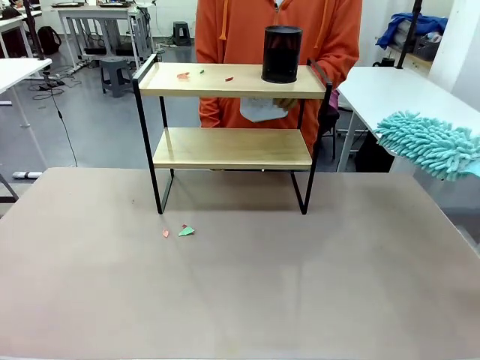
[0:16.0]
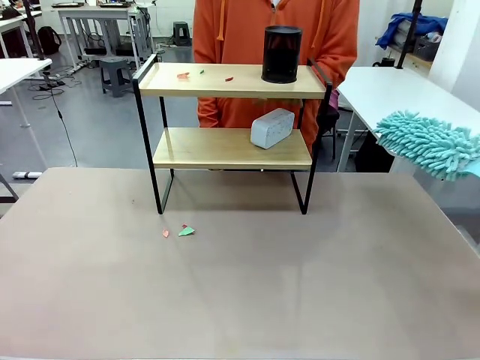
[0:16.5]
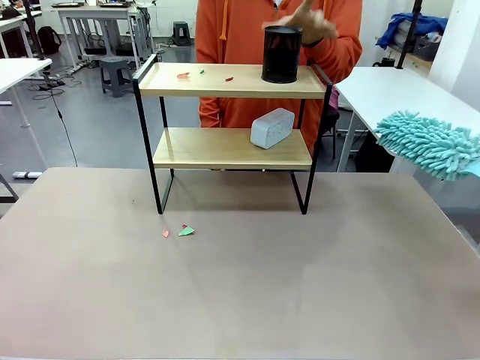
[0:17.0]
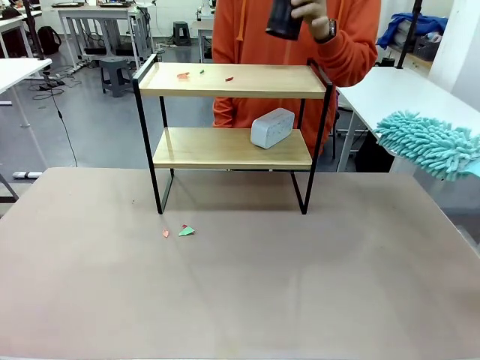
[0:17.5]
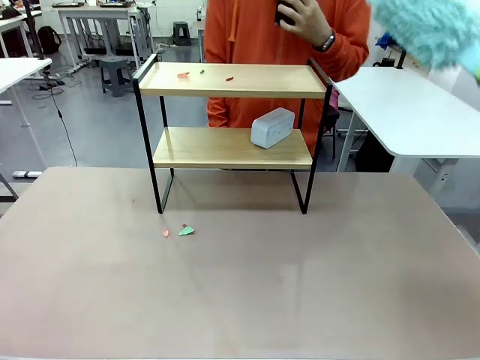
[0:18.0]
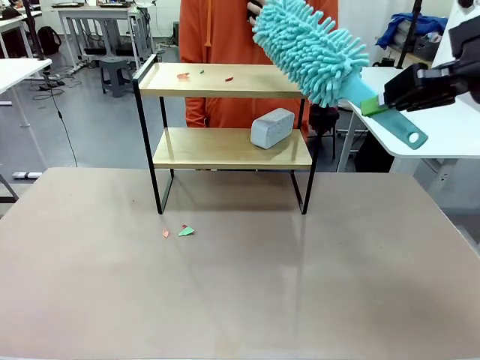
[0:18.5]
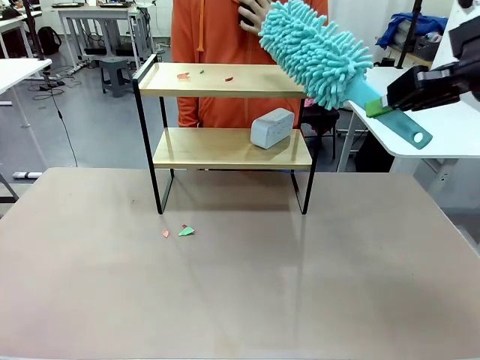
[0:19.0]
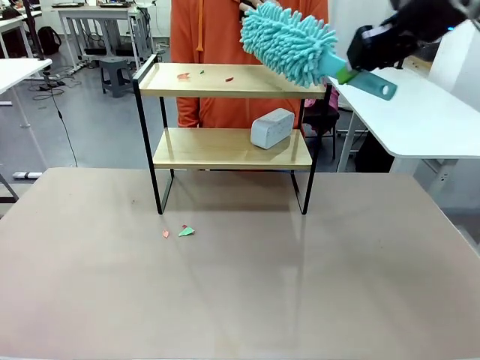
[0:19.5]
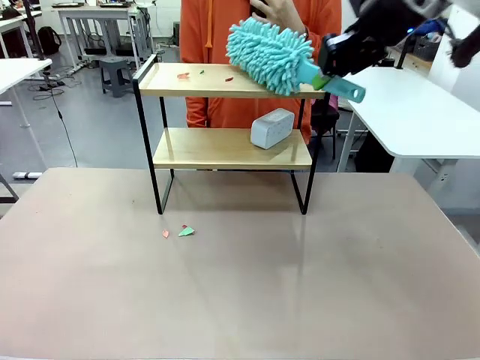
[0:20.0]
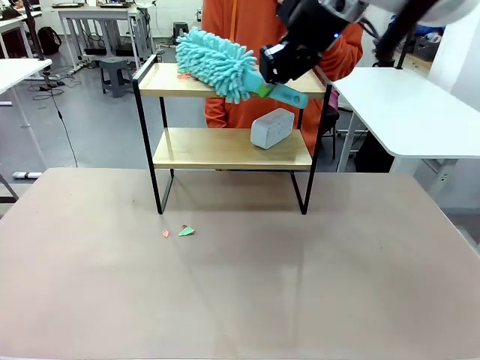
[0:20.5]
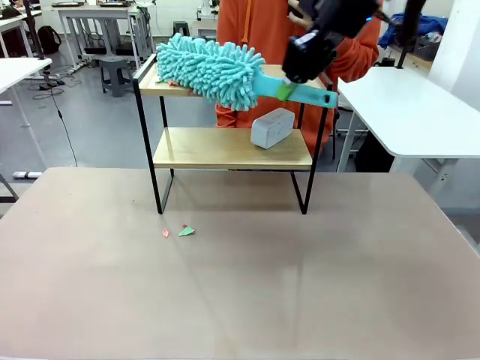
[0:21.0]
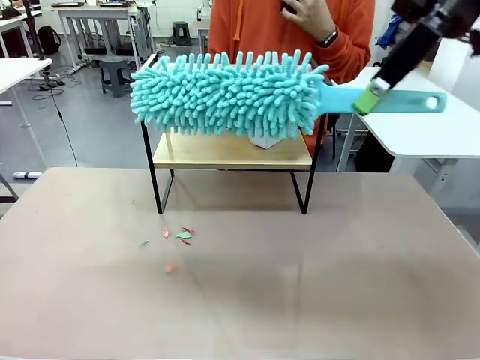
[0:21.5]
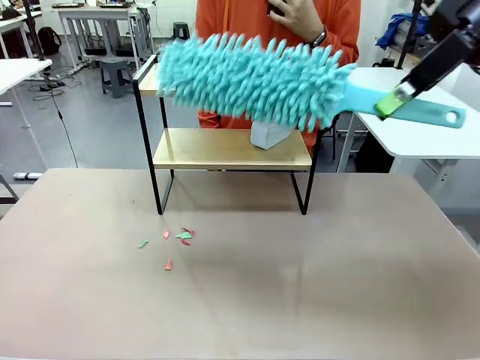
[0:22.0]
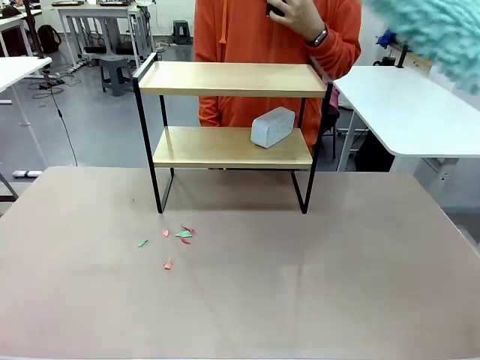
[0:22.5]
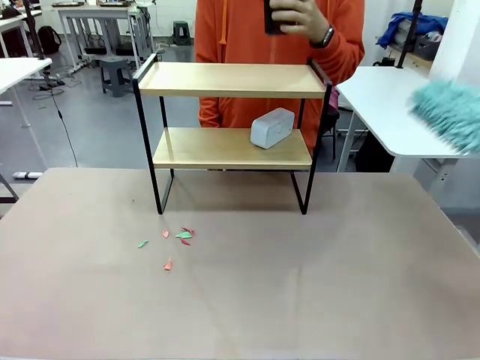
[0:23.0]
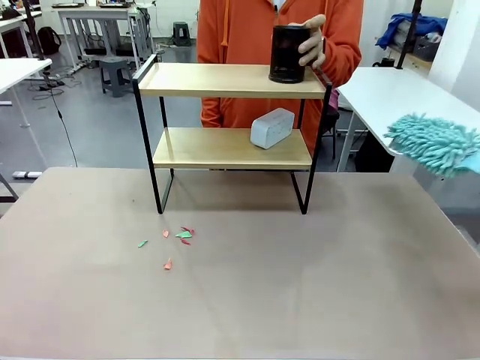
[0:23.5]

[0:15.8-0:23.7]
Task: Clean the shelf.
Robot: Clean the remaining tier of the Shelf with the Duster once objects are removed.

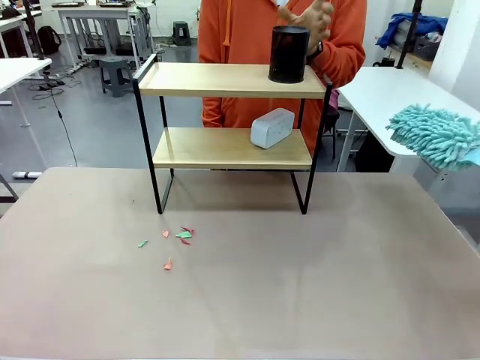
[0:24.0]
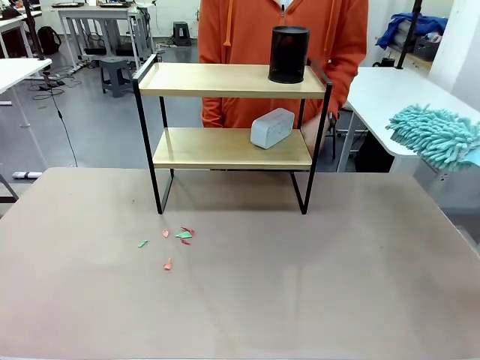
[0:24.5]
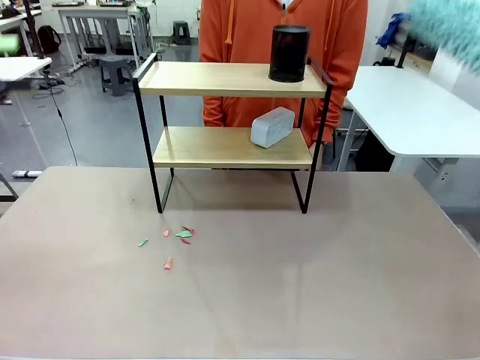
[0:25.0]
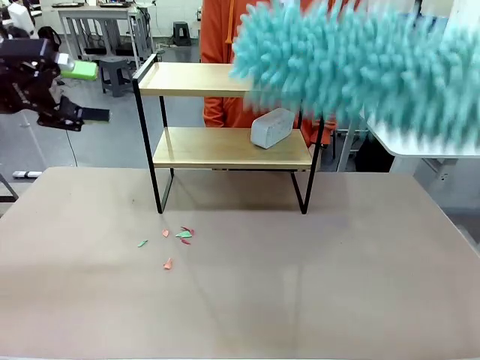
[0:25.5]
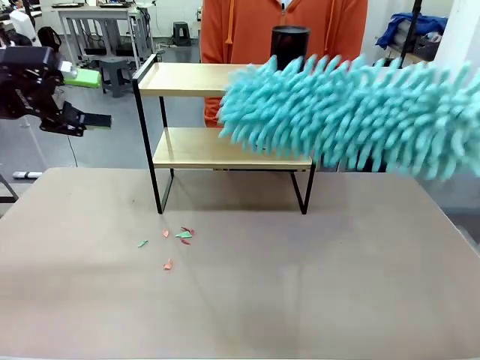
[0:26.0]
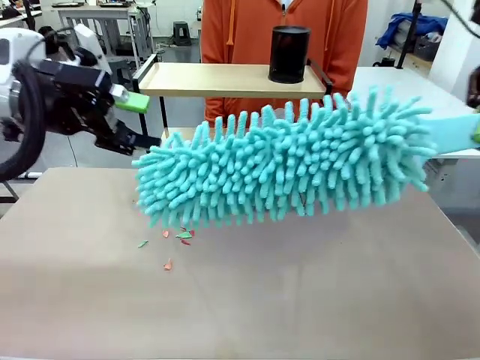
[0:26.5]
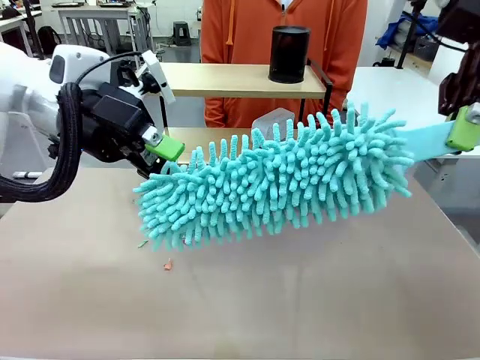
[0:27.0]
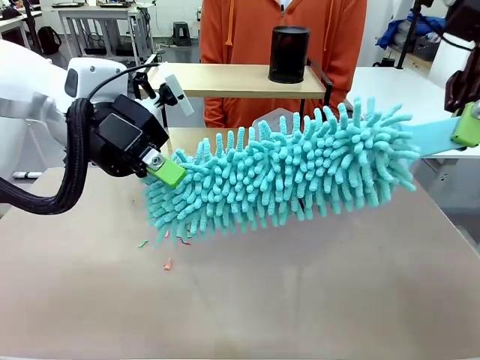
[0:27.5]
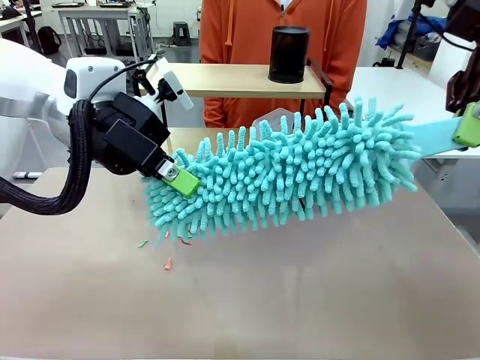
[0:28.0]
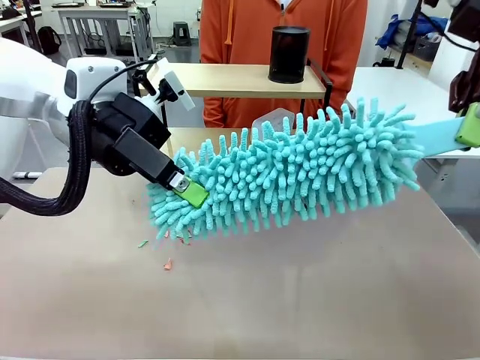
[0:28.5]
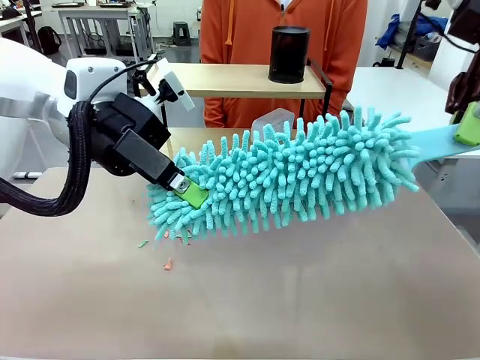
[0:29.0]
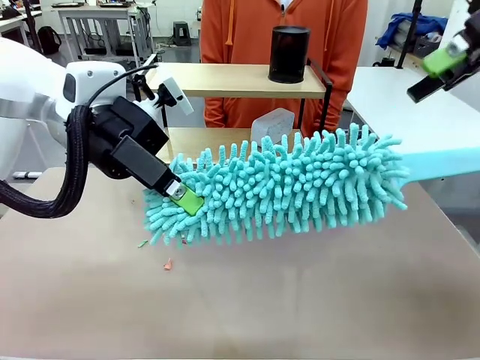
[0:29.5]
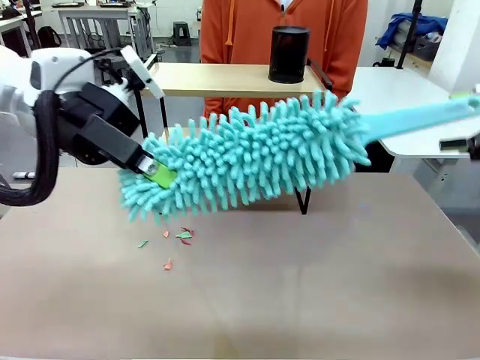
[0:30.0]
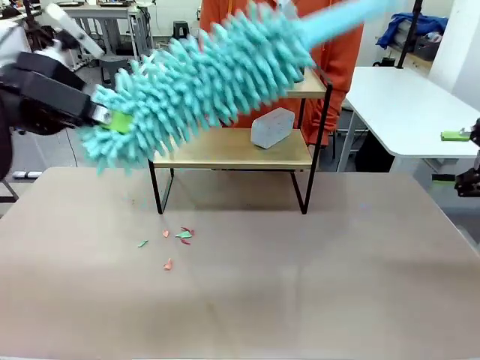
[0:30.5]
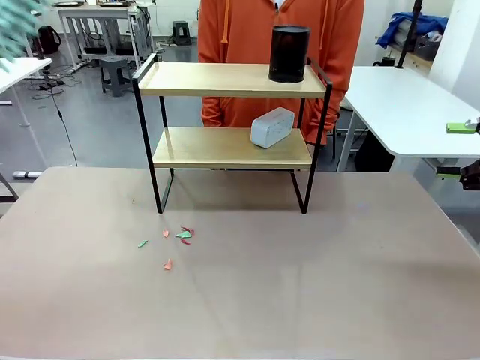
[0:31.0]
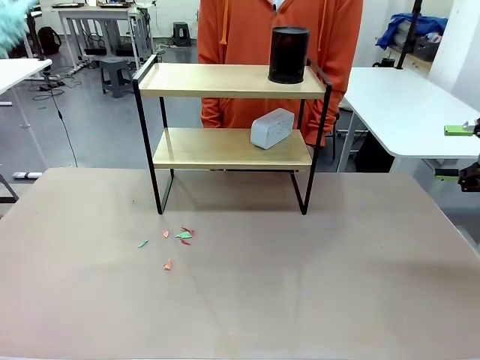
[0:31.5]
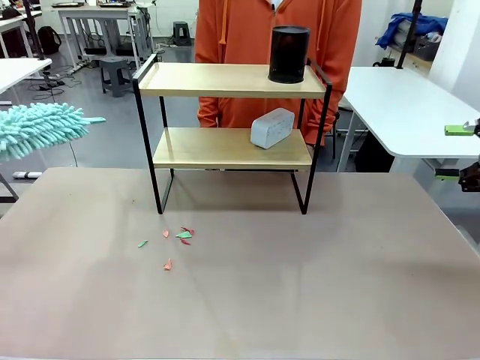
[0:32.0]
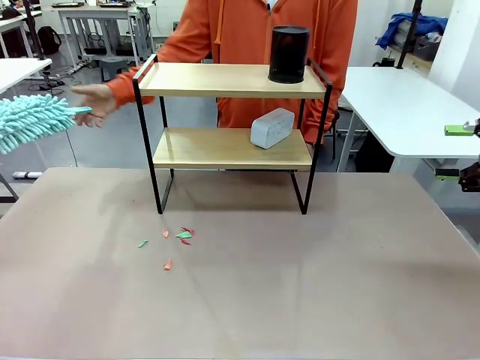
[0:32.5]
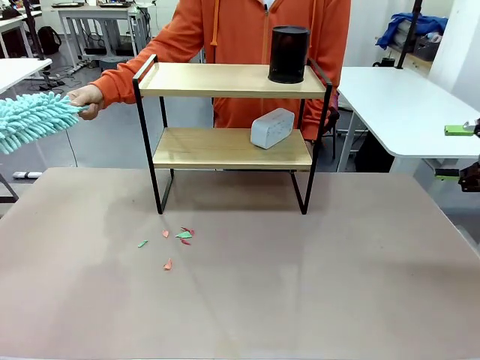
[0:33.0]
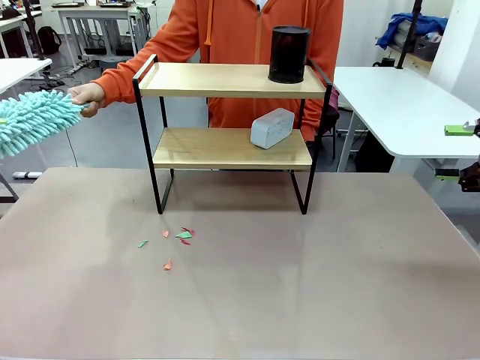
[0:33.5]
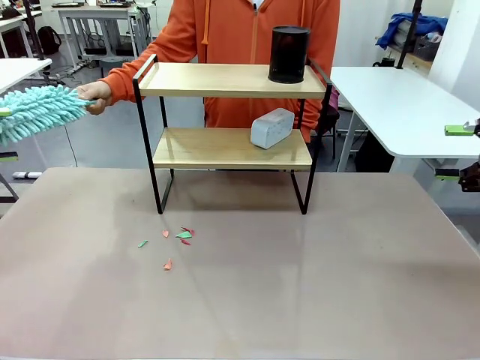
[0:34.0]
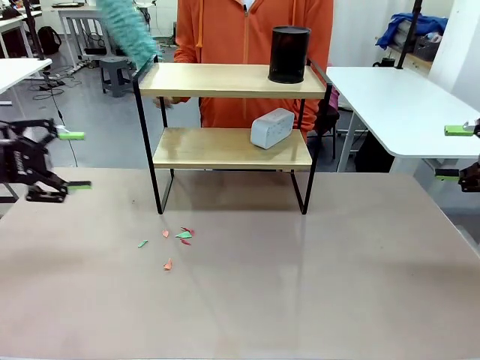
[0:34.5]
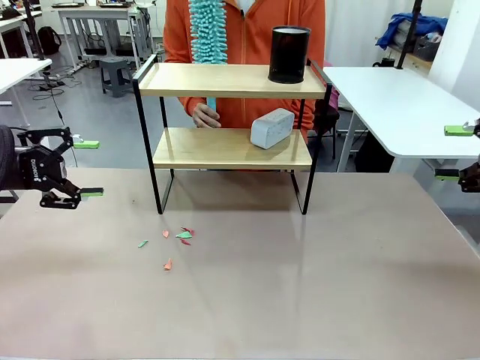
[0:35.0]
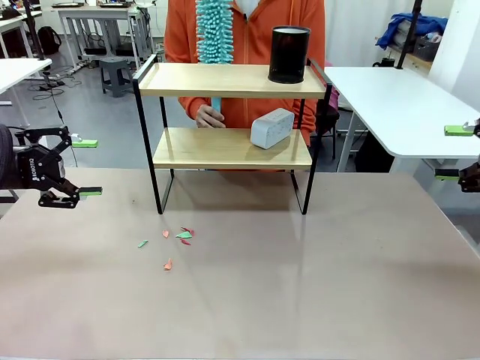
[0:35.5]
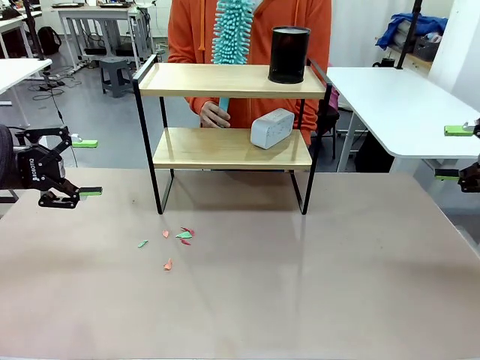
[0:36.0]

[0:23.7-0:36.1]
Robot: Hand the Duster back to the human.
Person: Receive the Duster from the robot.

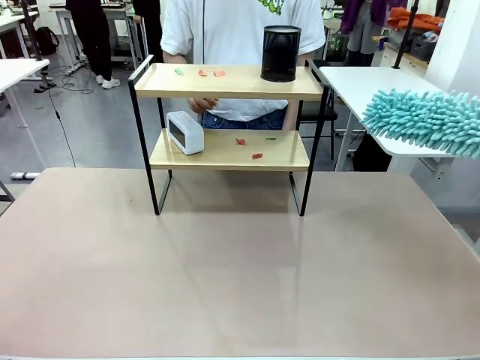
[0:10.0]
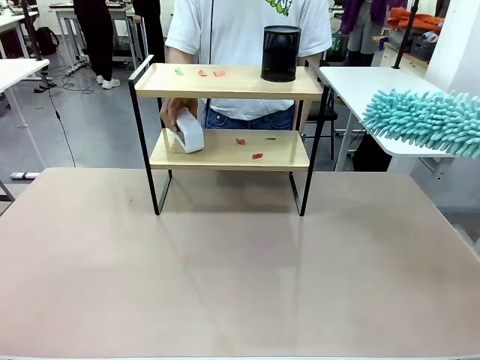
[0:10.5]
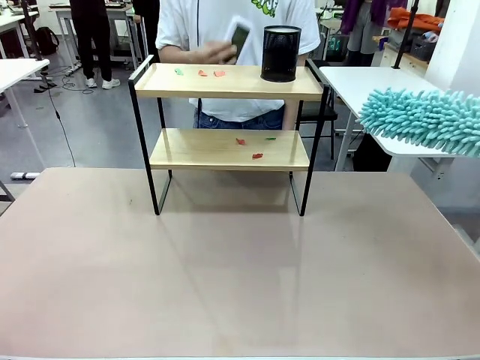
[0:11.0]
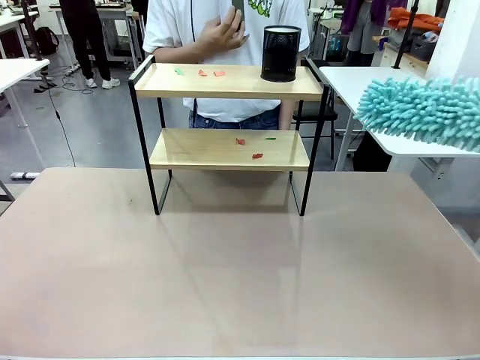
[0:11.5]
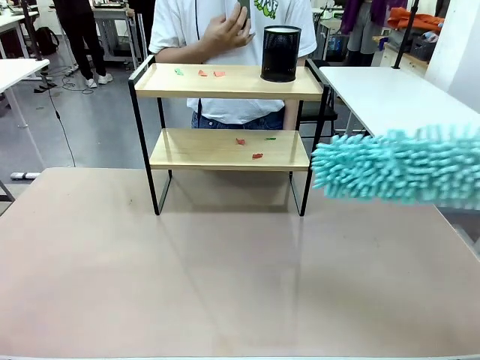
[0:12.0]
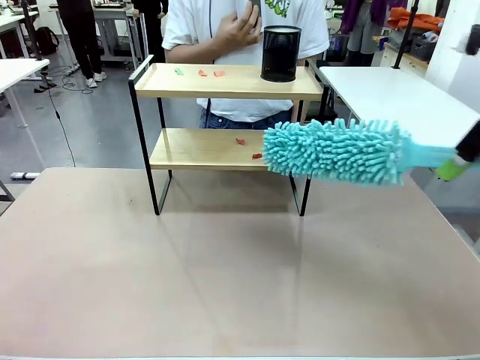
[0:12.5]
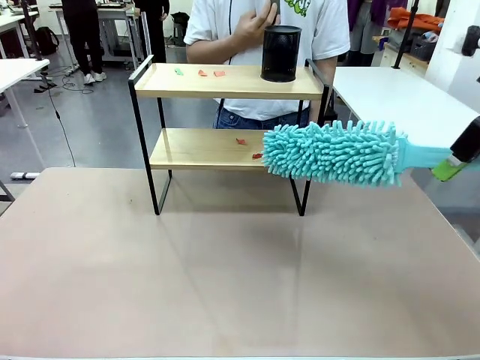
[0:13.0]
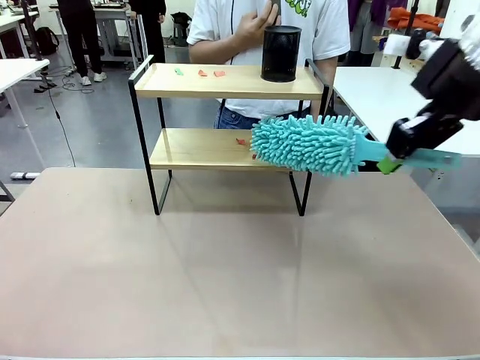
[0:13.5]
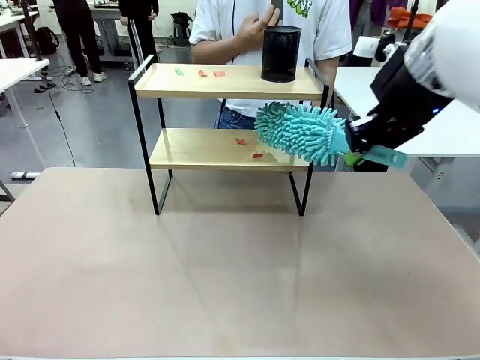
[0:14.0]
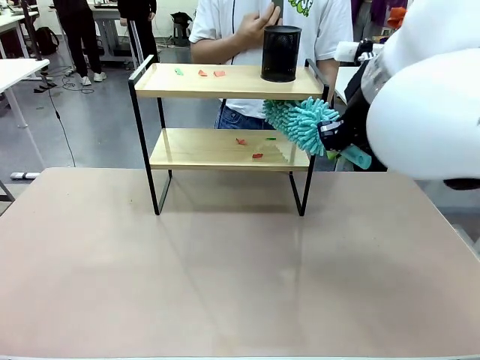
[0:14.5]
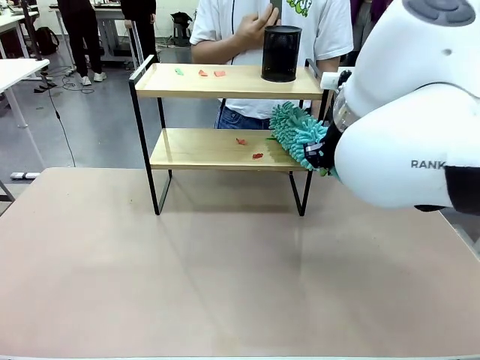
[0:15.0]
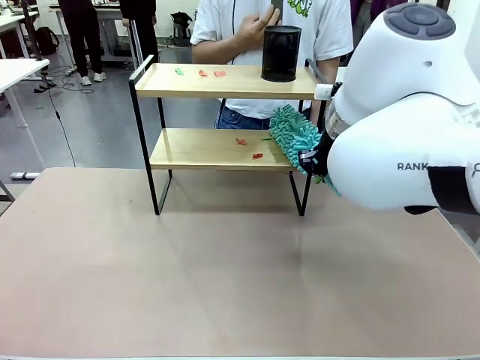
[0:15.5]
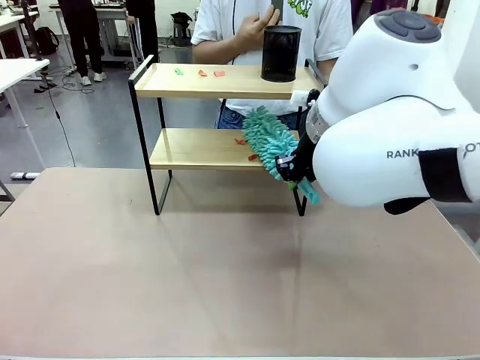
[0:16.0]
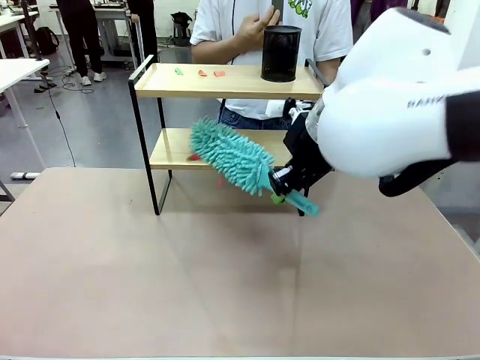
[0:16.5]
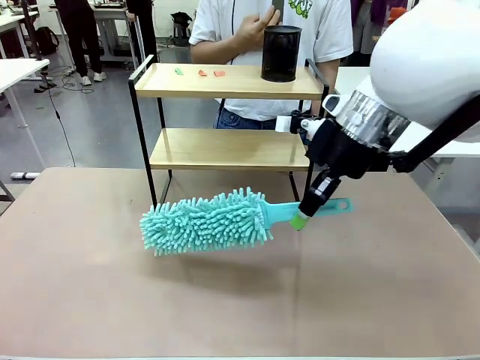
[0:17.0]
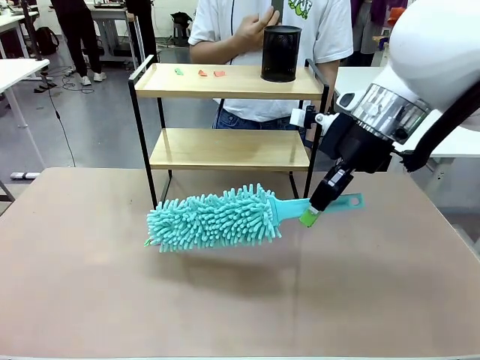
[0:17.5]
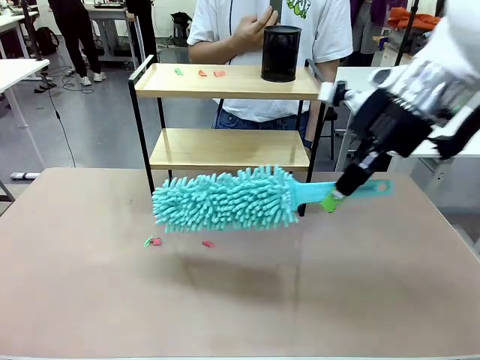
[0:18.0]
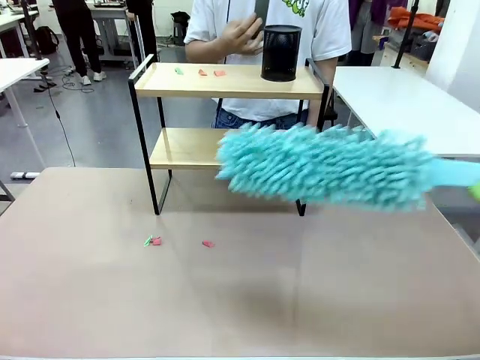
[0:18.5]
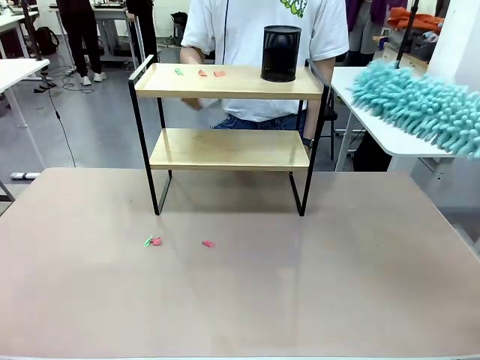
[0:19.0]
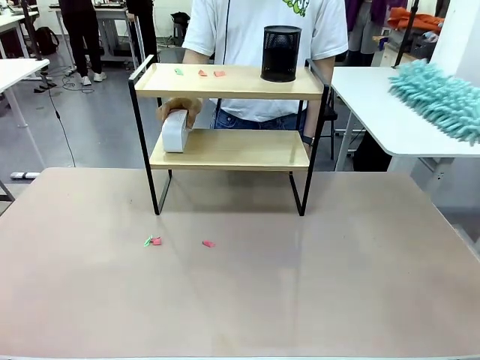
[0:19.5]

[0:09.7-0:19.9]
Task: Clean the shelf.
Robot: Clean the specific tier of the Shelf with the Duster once objects are removed.
Person: Lift the objects on a randomly selected tier of the Shelf. Once the robot finishes cleaning, lift the objects on the remaining tiers of the Shelf.
